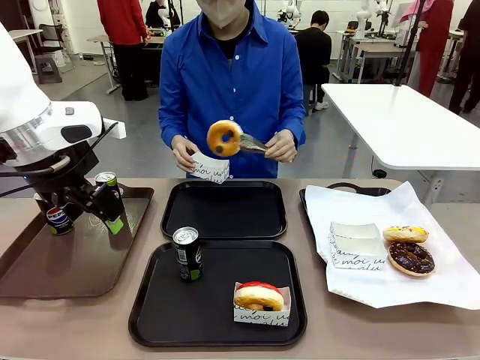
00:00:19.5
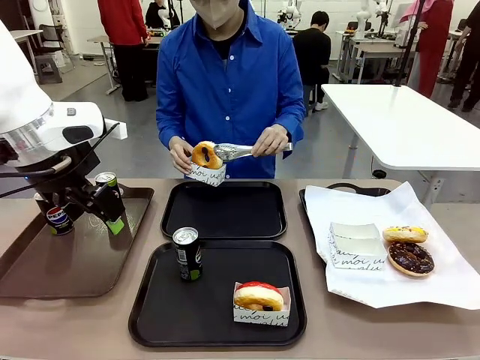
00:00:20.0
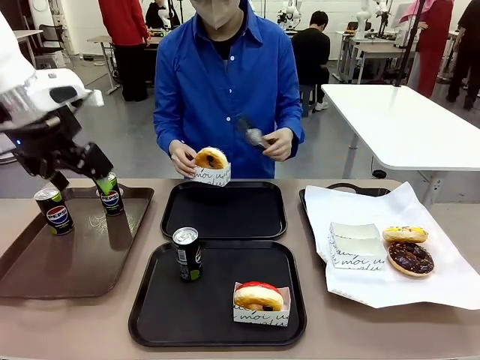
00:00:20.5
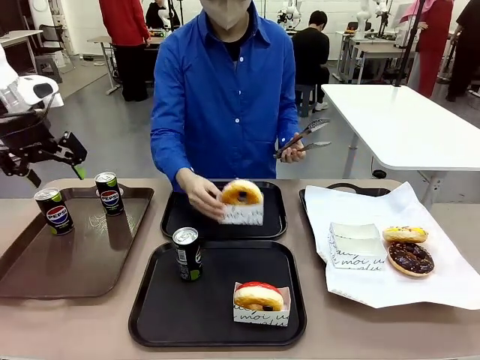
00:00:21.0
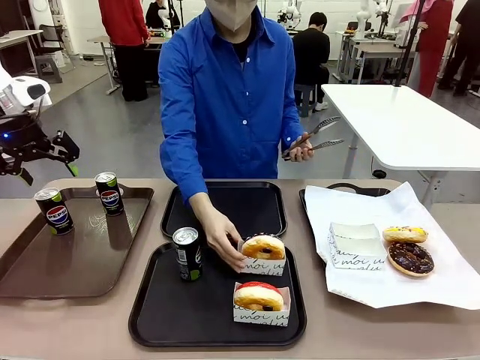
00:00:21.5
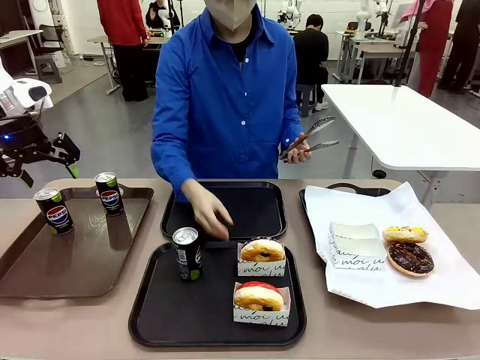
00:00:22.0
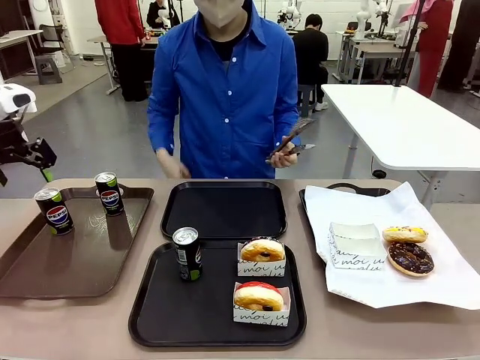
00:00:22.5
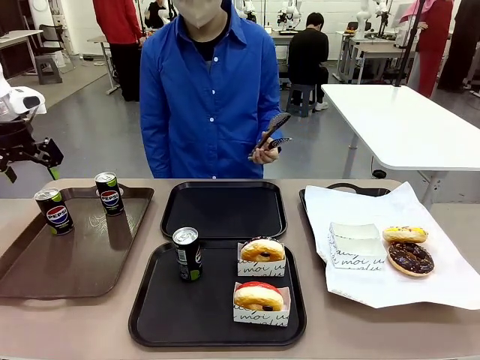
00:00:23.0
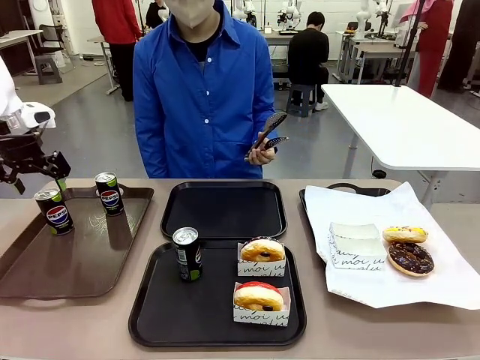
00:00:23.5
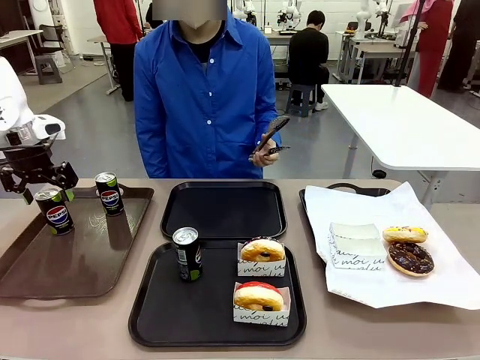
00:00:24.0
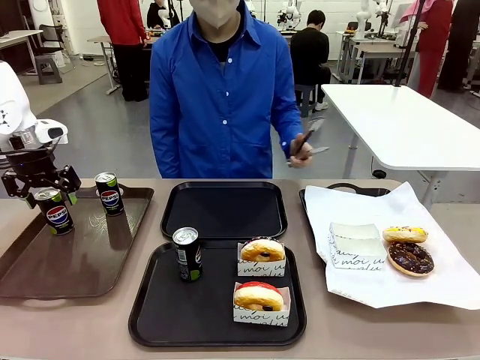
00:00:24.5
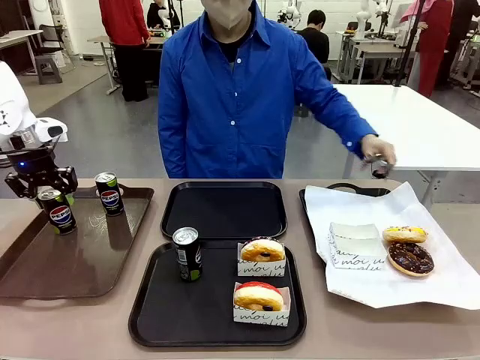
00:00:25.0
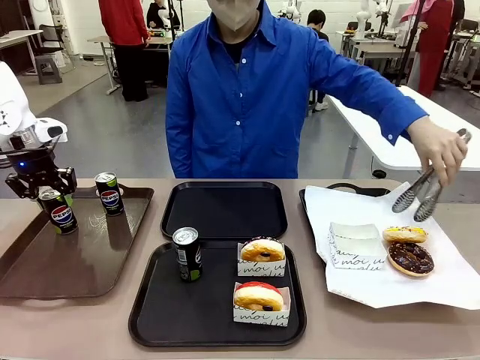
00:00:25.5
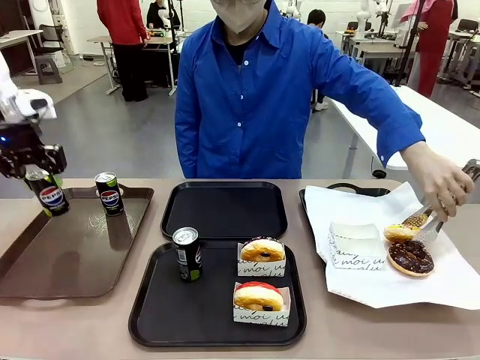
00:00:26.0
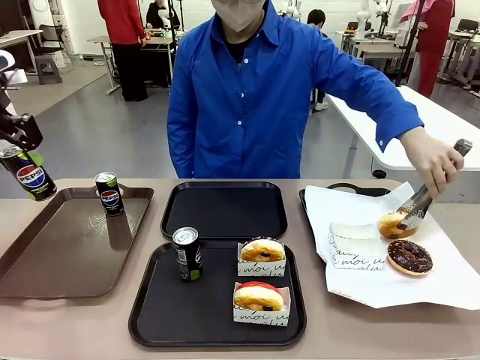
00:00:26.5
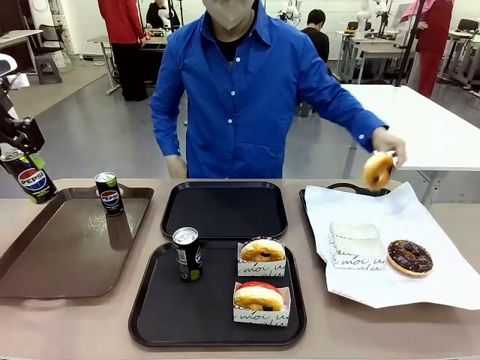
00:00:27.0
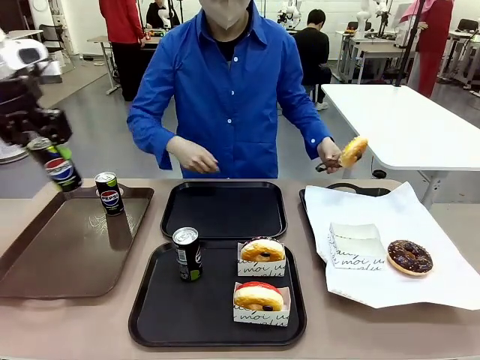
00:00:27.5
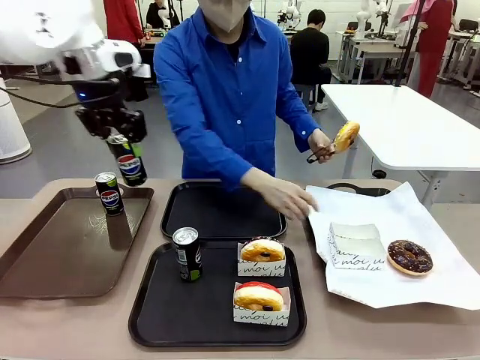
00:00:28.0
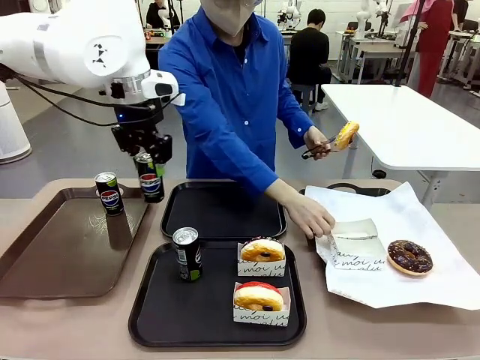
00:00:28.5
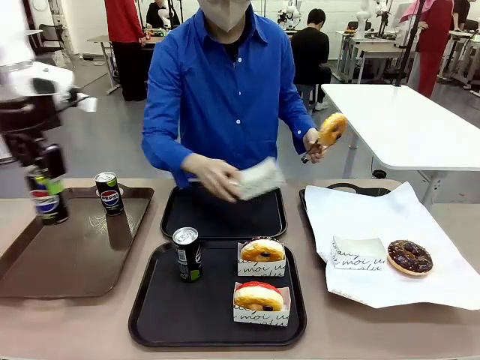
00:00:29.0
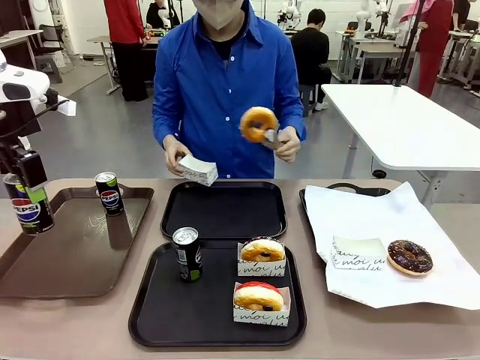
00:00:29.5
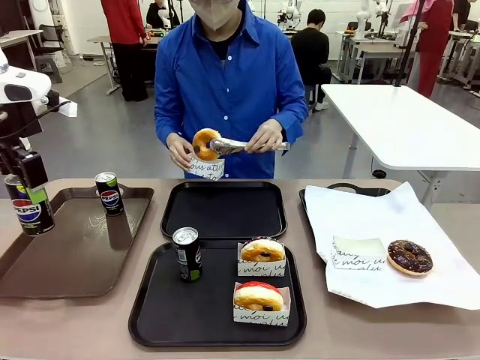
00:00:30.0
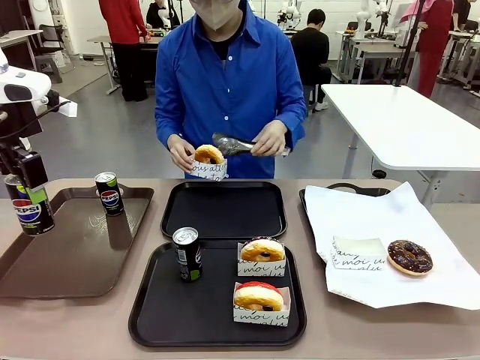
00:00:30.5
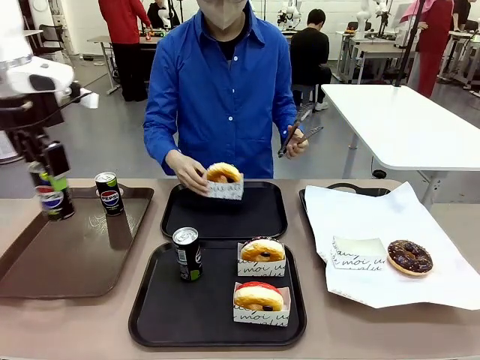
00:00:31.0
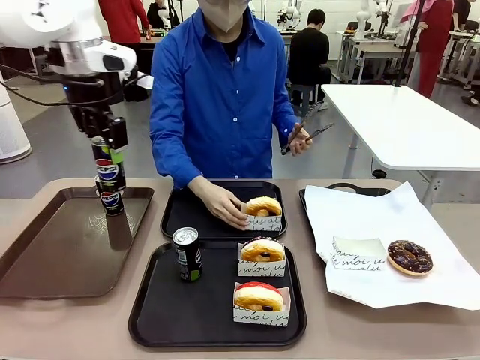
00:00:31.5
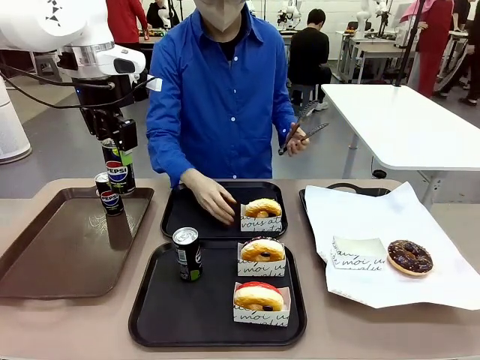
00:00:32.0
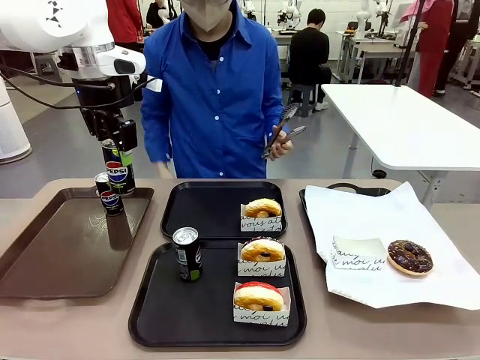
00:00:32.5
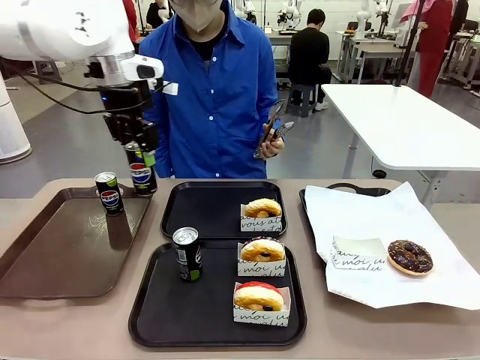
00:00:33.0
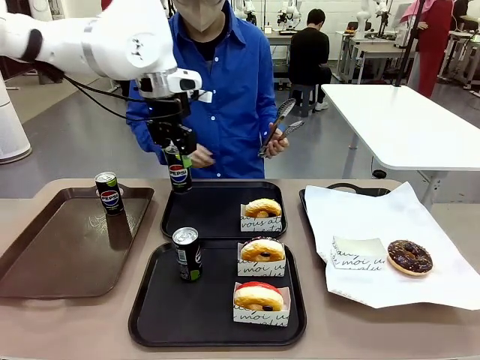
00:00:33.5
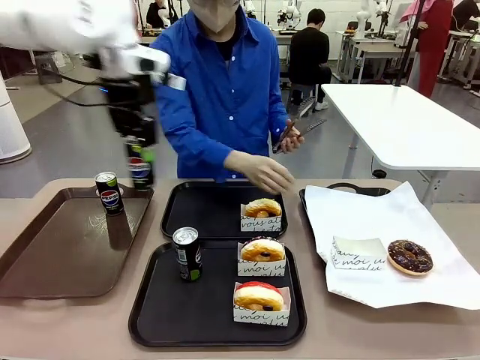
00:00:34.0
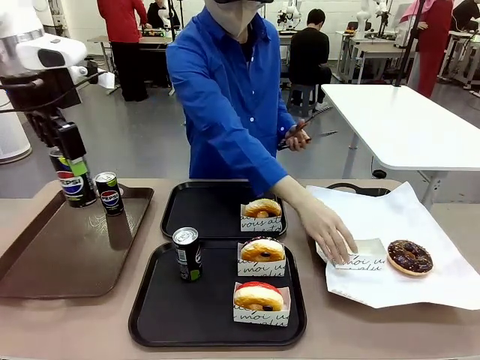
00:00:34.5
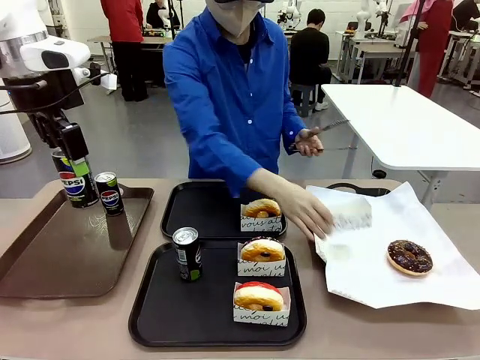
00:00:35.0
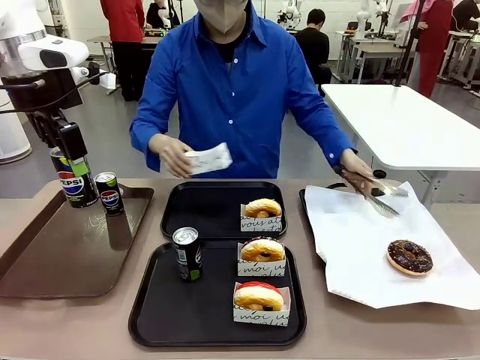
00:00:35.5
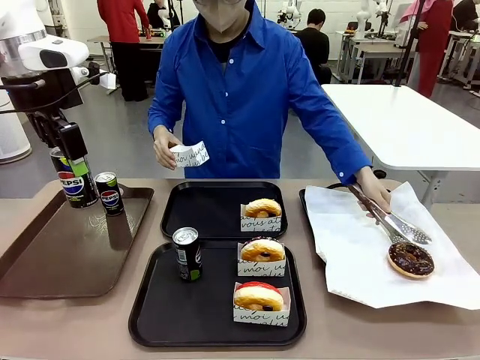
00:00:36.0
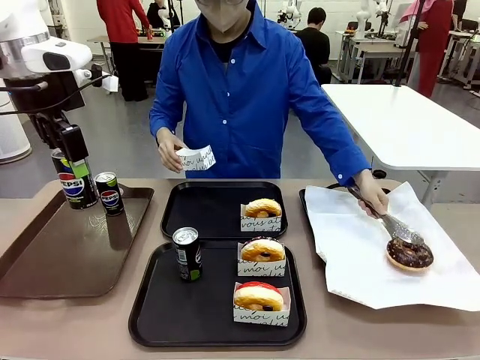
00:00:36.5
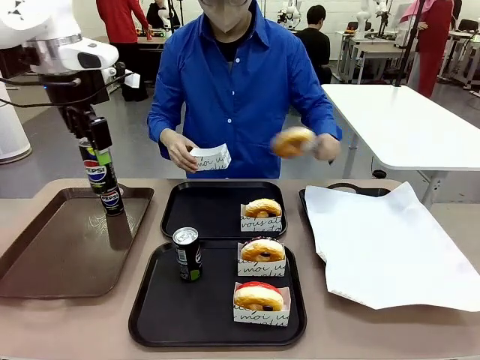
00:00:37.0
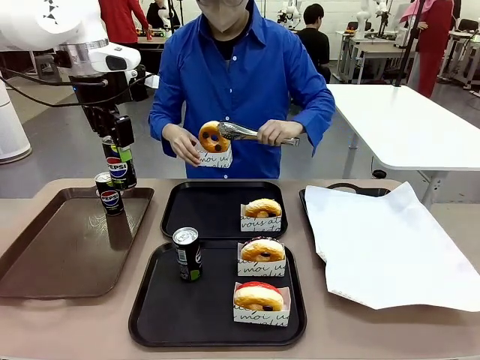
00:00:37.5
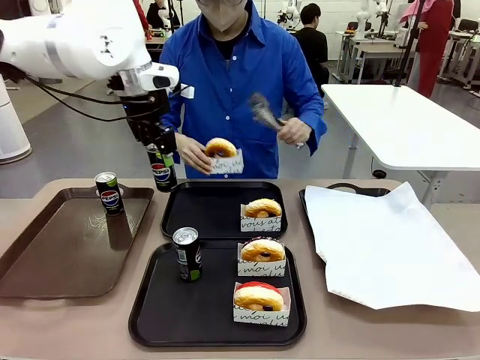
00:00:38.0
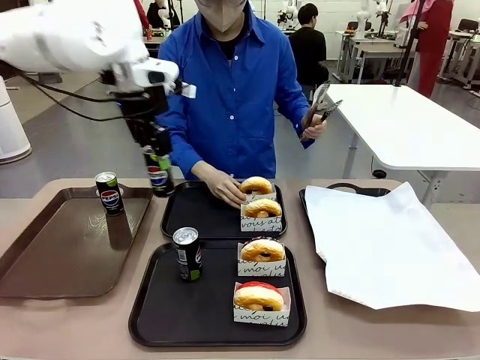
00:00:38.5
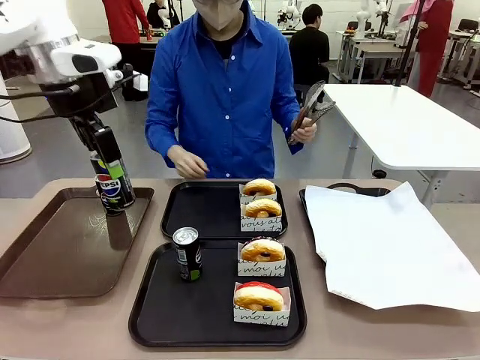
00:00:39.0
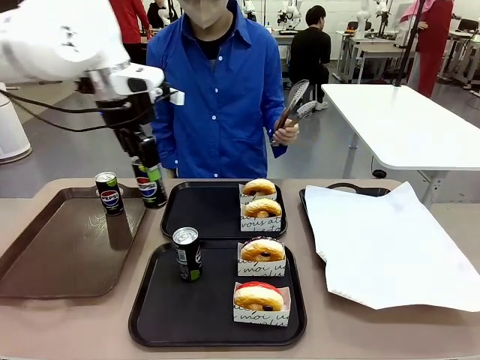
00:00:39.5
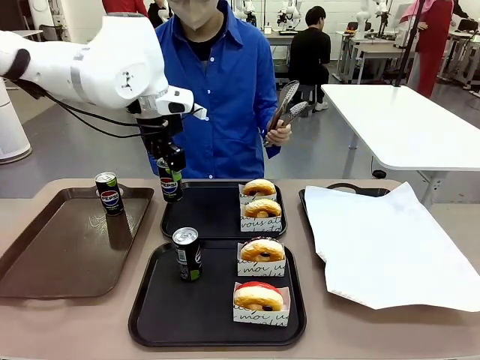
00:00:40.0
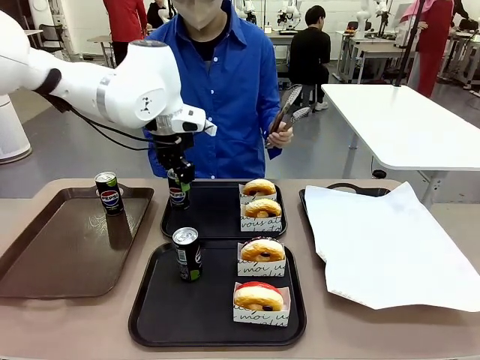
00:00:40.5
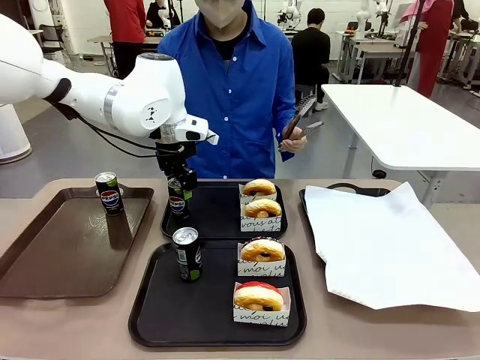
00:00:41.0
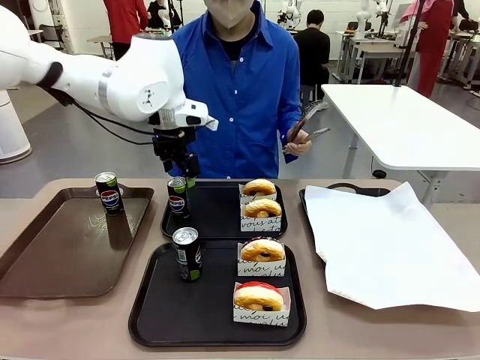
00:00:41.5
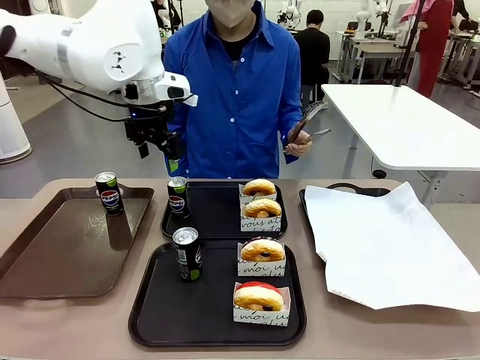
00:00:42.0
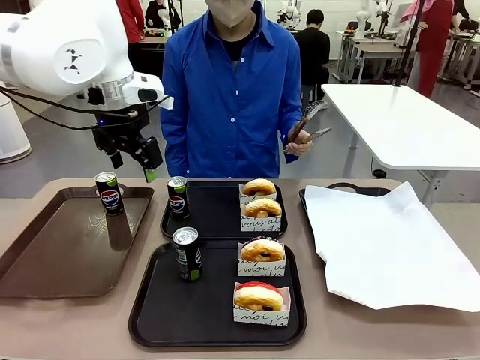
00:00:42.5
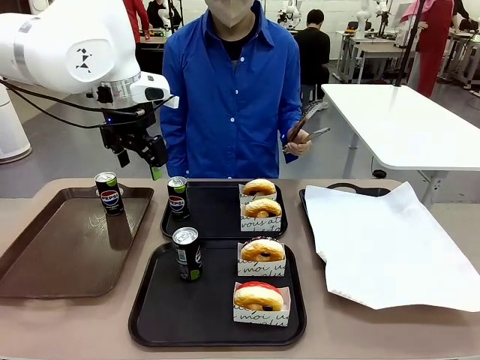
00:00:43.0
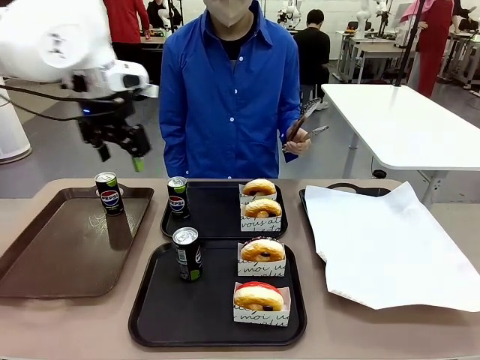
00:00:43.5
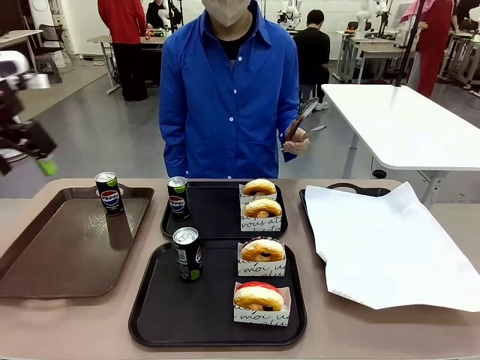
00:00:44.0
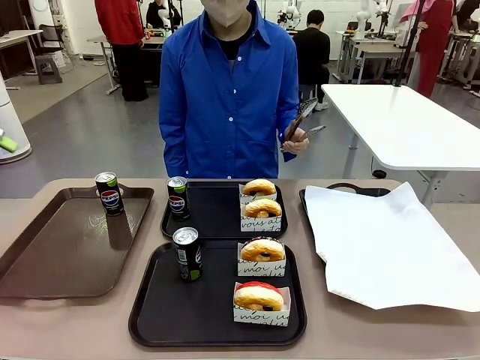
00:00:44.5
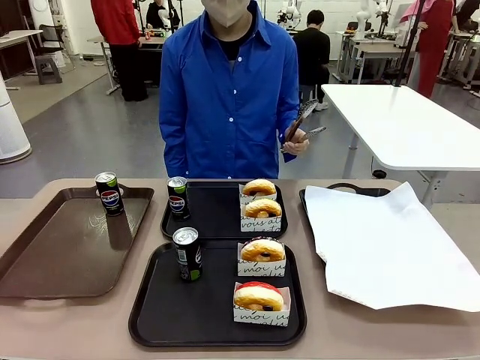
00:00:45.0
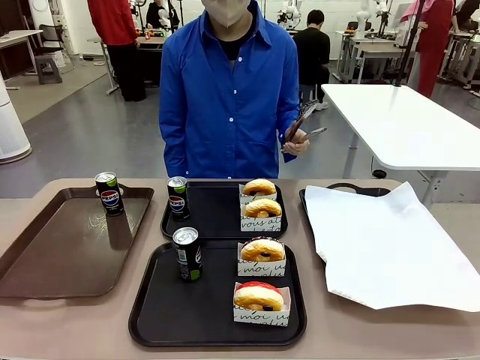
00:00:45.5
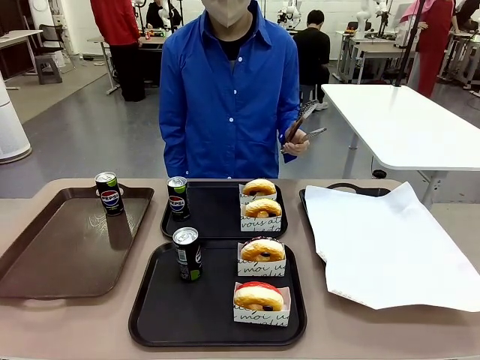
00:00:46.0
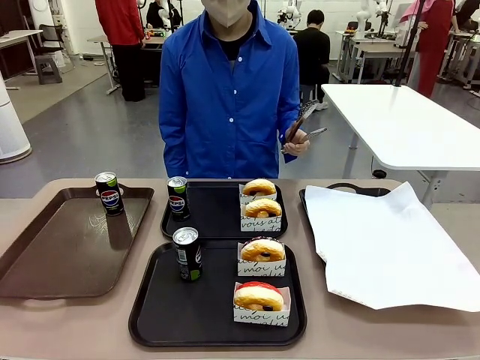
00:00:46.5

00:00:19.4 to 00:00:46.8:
Task: Set up donuts and drinks on trays.
Robot: Pick up one Pepsi coke from the Handle tray and place it on the Flat Tray without a Pepsi coke.
Person: Pick up one donut with tongs, place it in the donut tray, and then place the donut tray on the flat tray.
